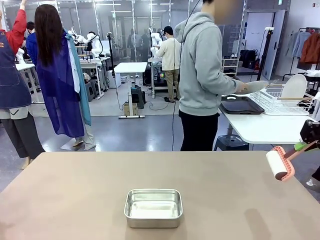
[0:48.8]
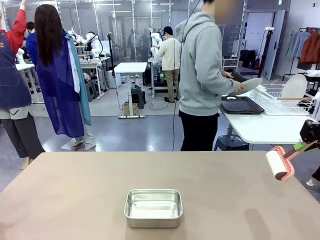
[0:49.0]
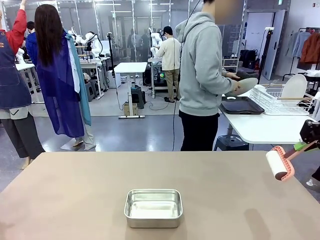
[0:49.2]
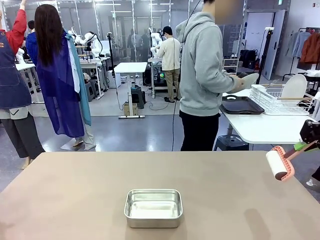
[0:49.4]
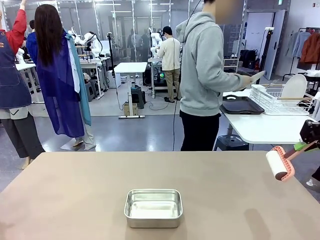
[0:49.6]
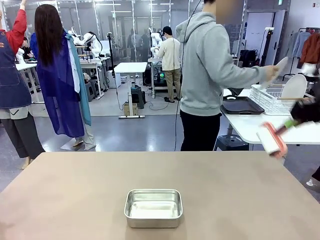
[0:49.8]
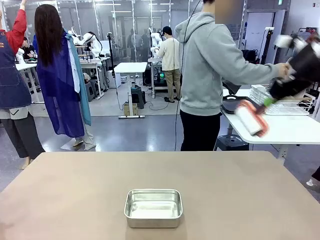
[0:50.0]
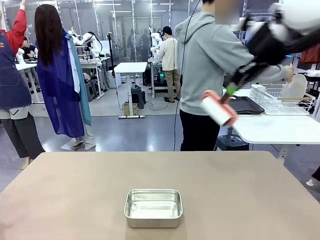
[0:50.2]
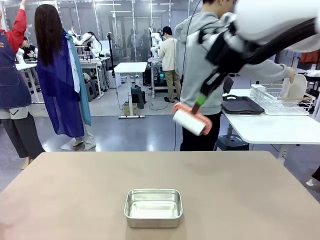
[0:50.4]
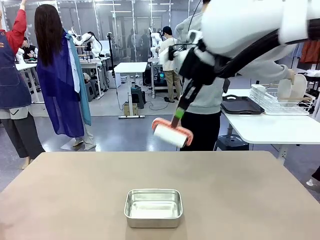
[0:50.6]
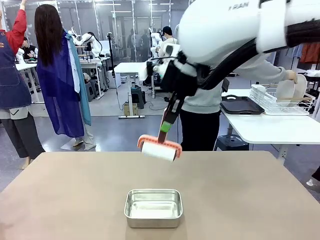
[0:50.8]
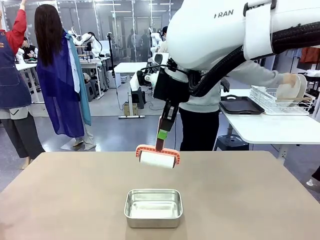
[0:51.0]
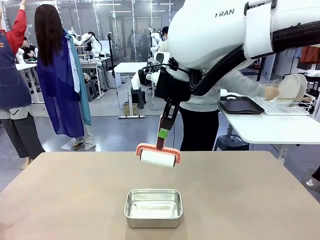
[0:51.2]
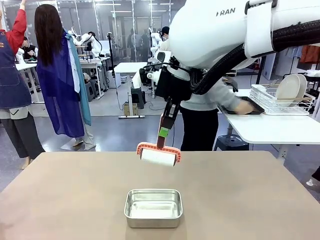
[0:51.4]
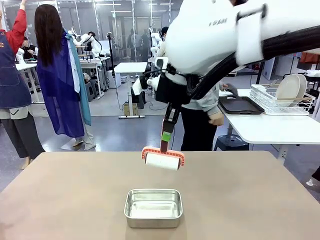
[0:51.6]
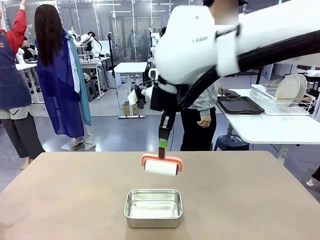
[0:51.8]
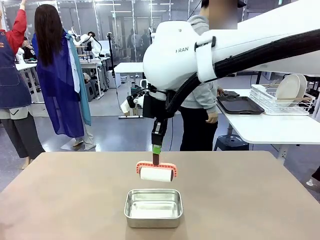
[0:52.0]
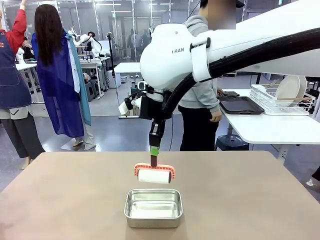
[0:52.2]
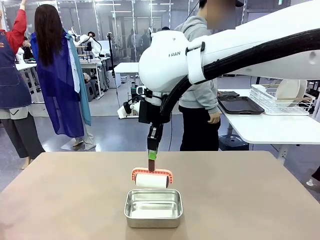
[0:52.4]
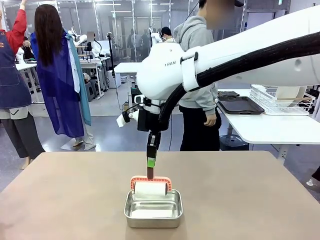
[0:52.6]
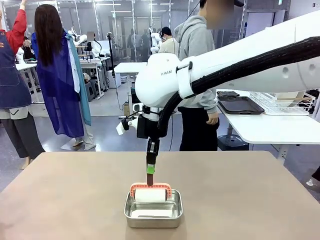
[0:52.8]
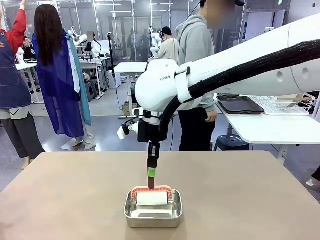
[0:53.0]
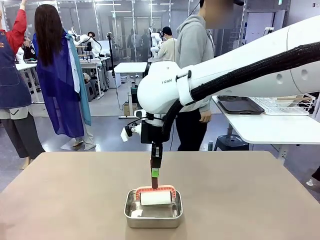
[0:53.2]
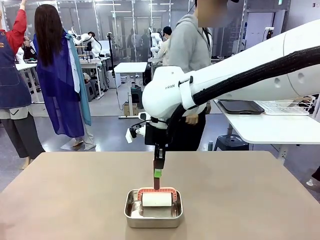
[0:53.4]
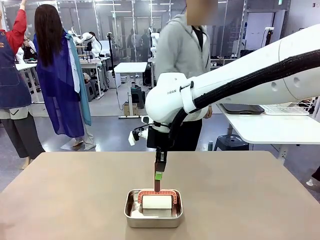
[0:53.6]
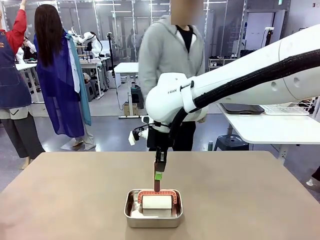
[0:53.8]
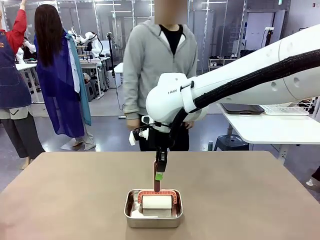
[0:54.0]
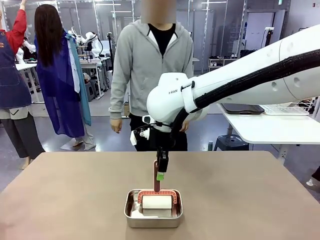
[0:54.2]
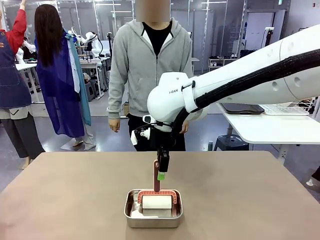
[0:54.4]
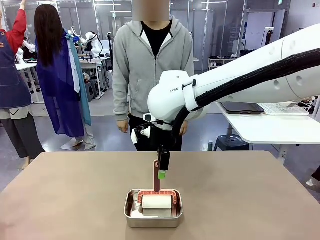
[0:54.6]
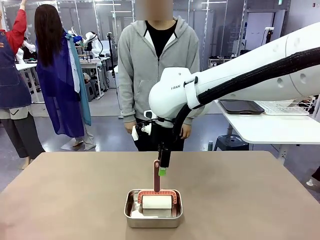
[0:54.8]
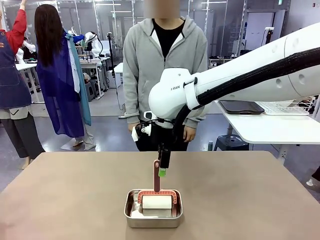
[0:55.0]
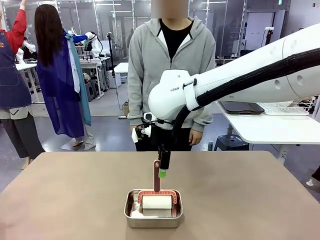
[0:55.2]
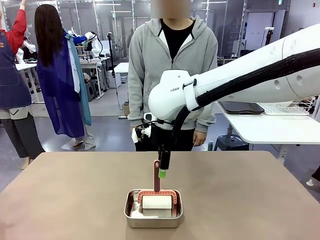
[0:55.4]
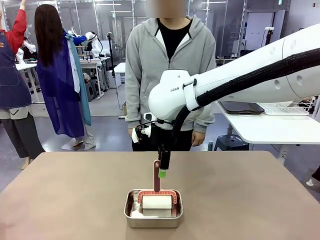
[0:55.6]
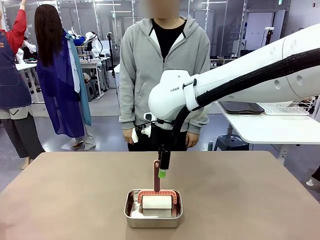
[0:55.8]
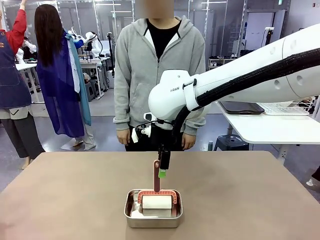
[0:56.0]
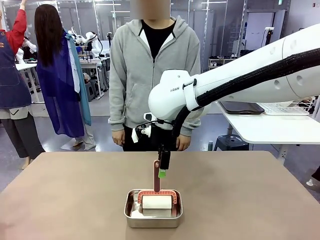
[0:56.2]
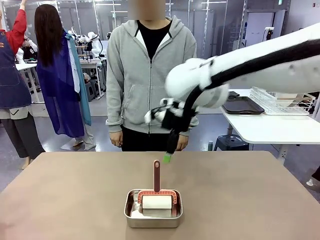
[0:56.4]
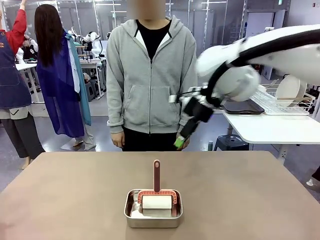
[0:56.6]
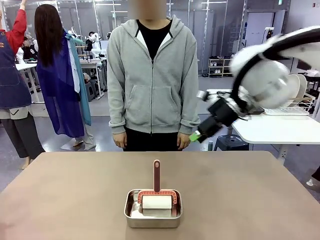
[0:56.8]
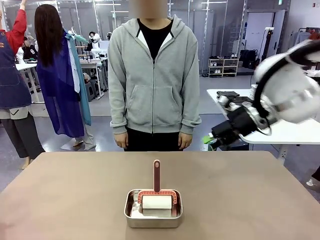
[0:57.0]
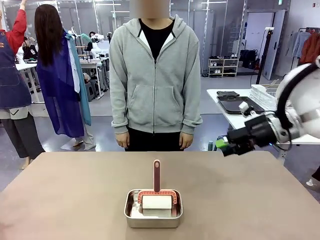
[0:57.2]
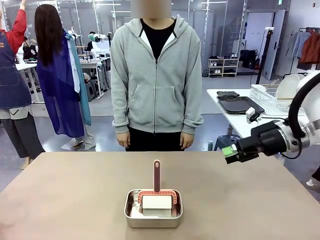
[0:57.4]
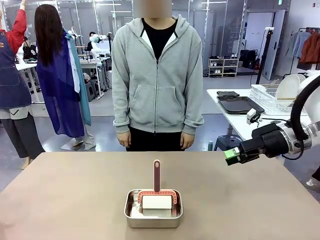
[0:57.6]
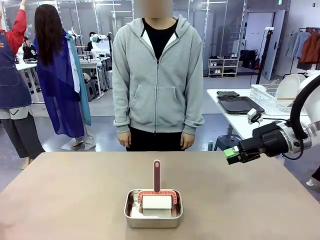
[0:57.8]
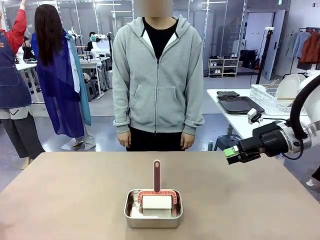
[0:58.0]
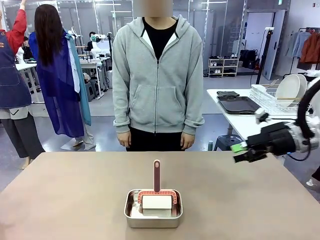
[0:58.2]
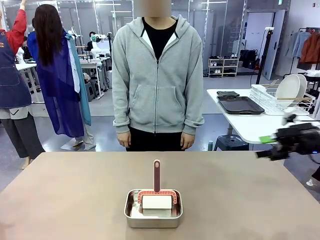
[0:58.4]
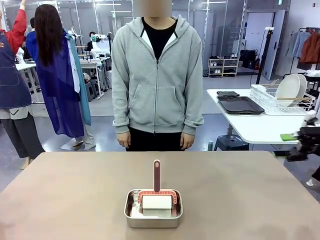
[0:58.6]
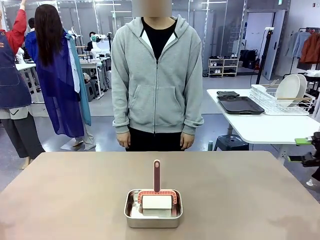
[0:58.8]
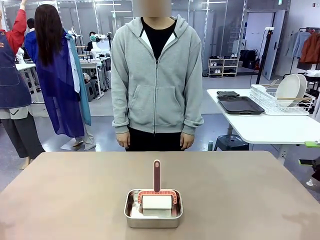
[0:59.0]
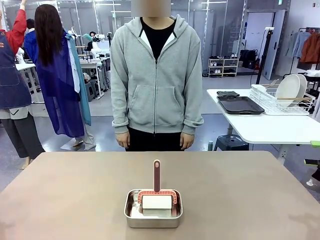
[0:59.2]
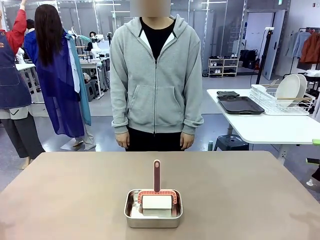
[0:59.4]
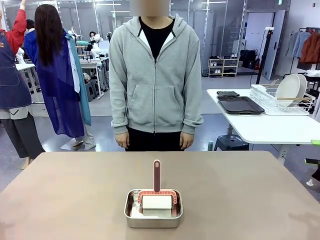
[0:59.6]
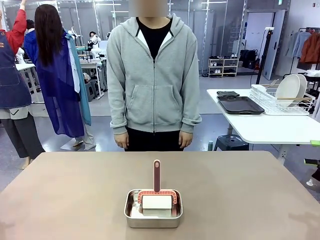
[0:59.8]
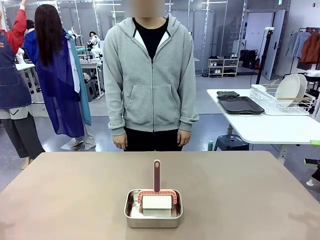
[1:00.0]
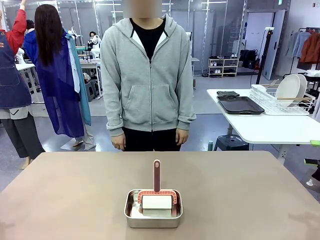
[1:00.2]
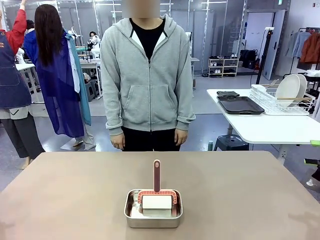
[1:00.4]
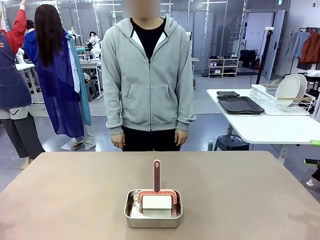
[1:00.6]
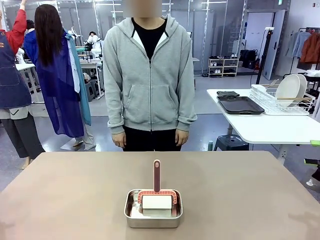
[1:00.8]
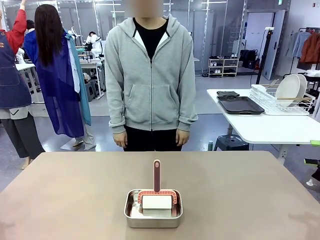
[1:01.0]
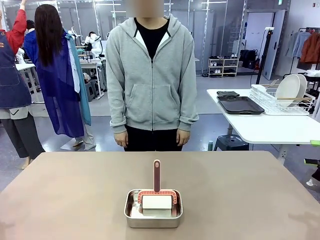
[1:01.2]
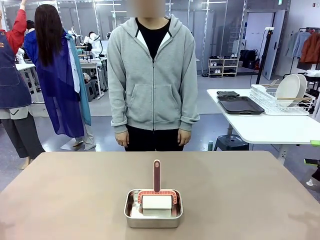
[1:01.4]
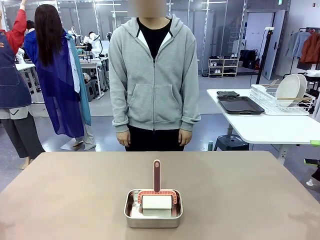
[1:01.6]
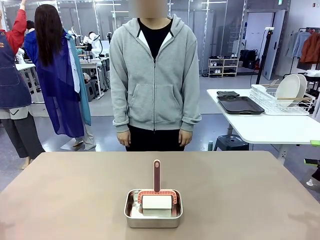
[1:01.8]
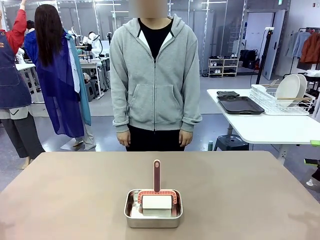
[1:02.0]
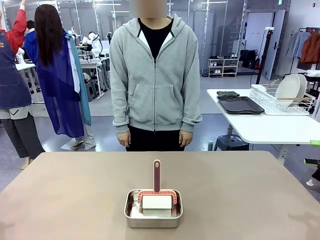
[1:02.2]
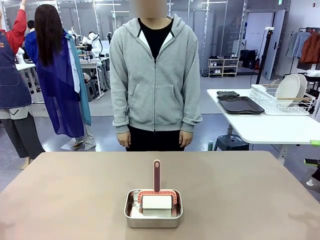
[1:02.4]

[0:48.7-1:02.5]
Robot: Place the Lint Roller back on top of the Airtight Container.
Person: Use the Towel with hook to wipe the Plastic Matte Plate , Fork , and Knife and place into the Dish drying rack.

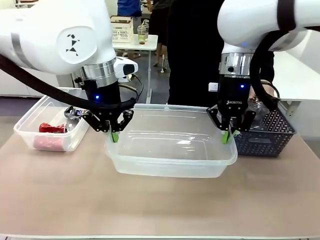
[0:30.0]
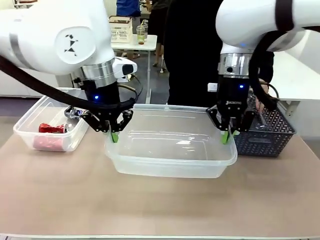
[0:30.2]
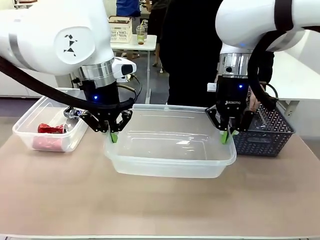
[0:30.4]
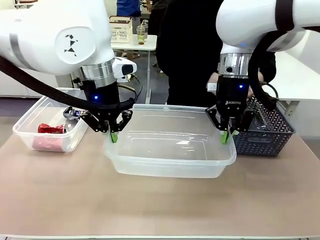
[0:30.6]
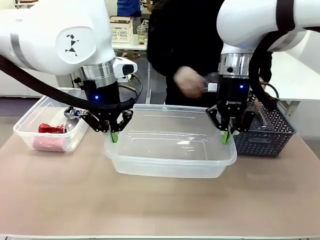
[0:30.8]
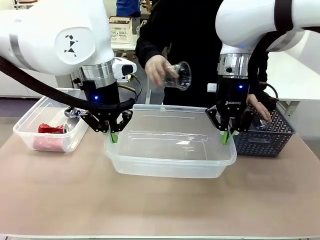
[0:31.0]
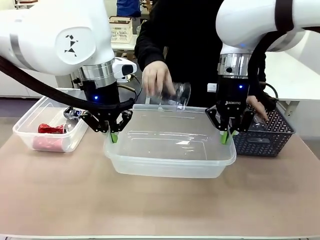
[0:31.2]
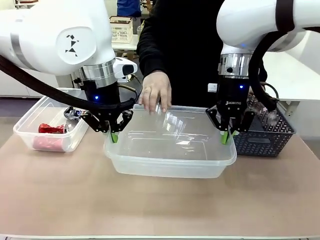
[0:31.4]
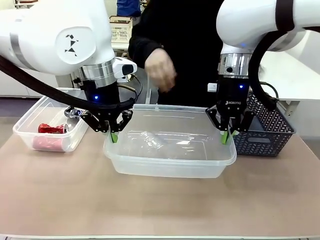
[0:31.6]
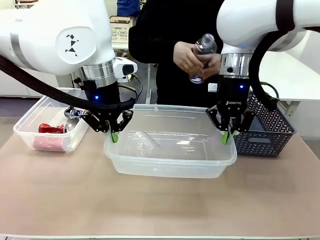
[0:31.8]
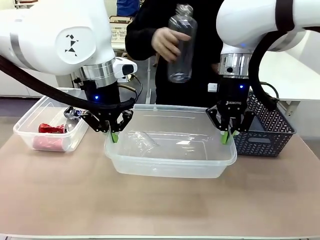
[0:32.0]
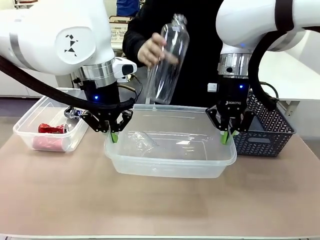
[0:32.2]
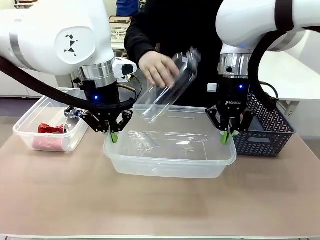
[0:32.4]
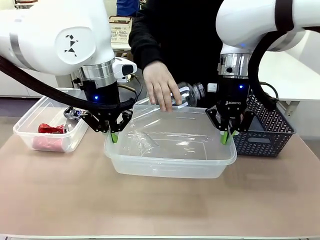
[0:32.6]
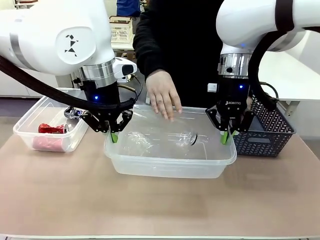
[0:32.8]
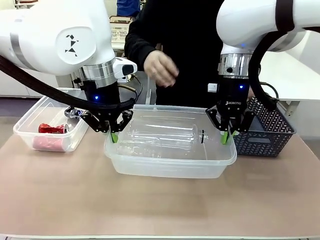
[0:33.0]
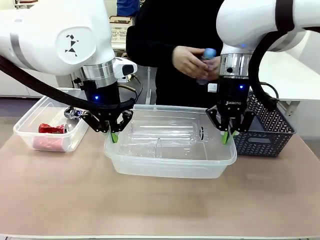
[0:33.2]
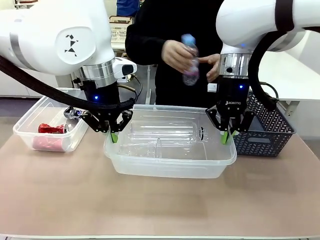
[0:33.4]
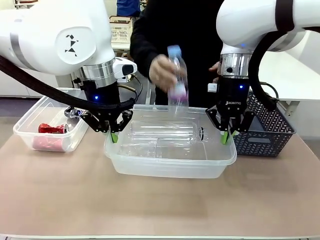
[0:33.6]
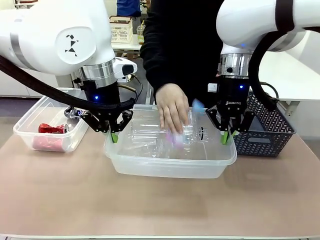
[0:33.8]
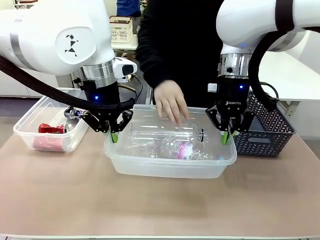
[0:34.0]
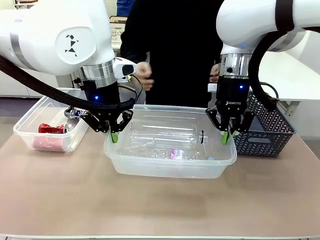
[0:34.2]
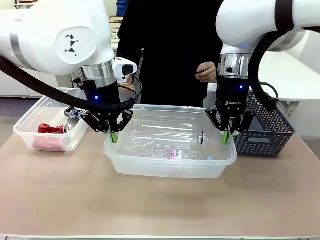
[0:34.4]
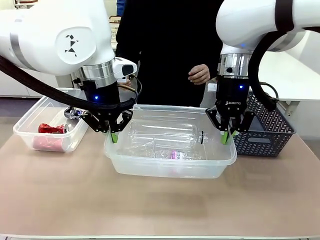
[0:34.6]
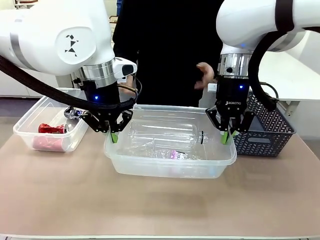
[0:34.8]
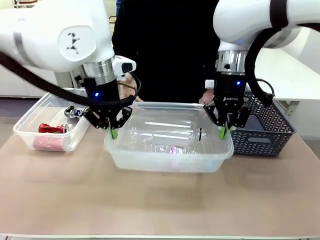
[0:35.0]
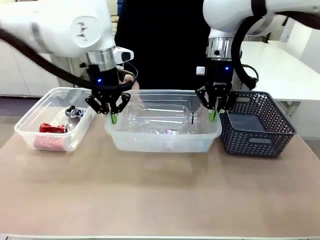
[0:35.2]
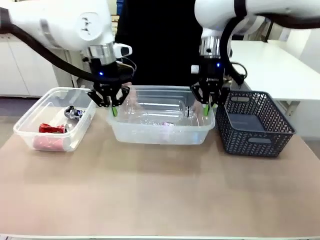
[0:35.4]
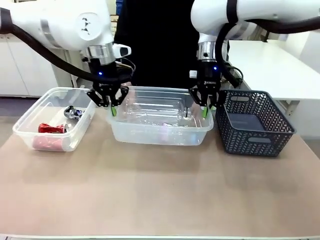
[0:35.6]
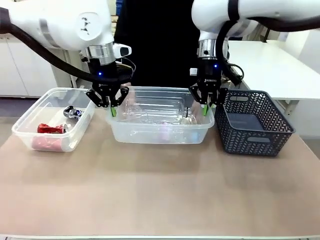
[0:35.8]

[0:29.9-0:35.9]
Robot: Offer the picked Organizing box to the human.
Person: Pick up plastic waste one by one and place it into the organizing box lifted by the robot.

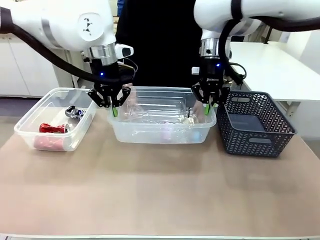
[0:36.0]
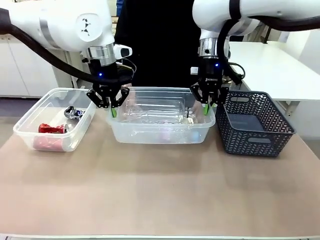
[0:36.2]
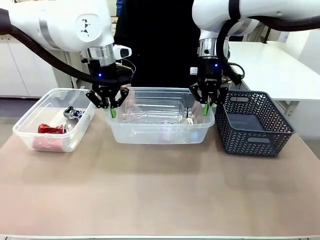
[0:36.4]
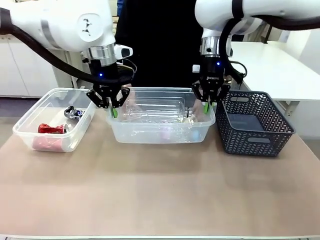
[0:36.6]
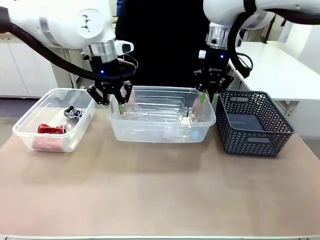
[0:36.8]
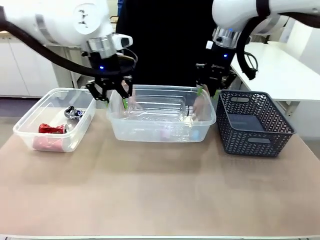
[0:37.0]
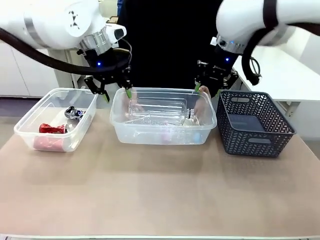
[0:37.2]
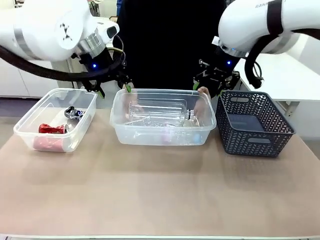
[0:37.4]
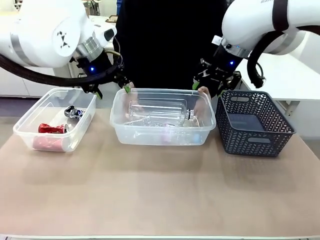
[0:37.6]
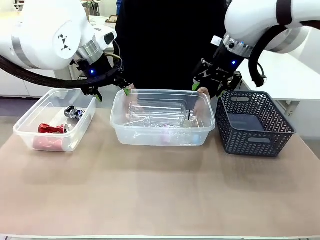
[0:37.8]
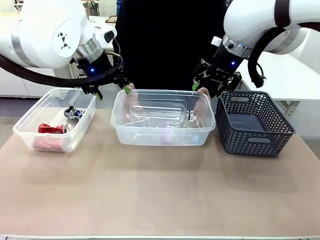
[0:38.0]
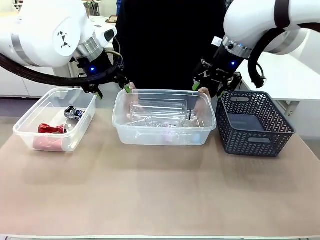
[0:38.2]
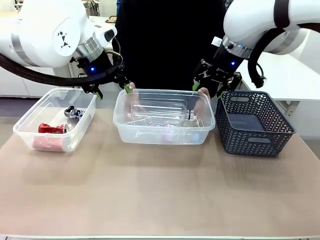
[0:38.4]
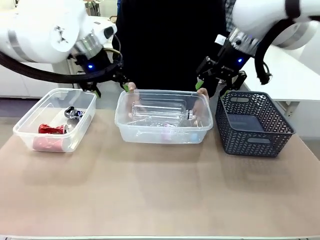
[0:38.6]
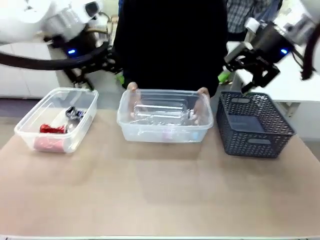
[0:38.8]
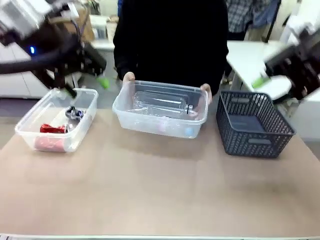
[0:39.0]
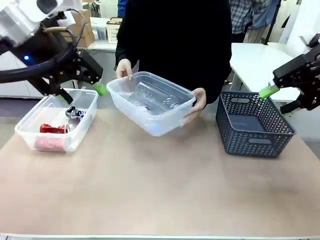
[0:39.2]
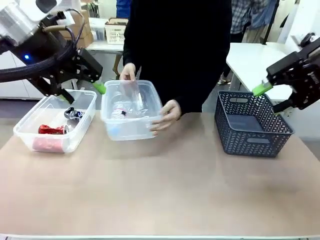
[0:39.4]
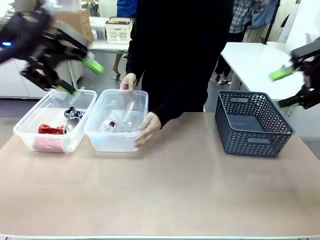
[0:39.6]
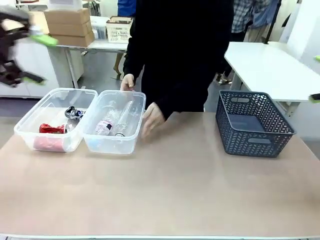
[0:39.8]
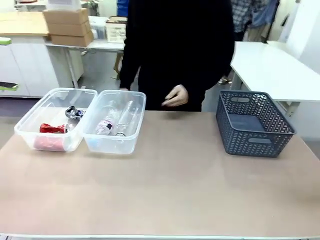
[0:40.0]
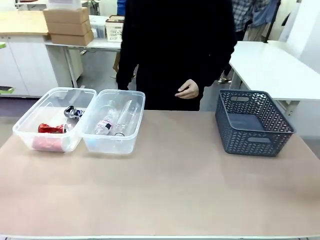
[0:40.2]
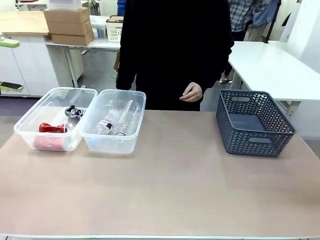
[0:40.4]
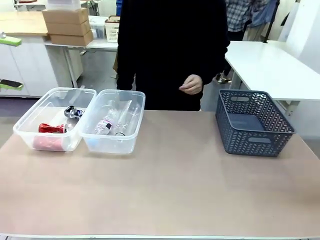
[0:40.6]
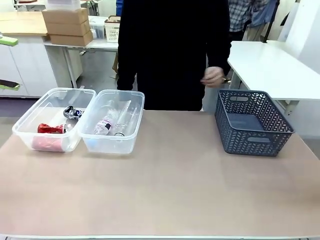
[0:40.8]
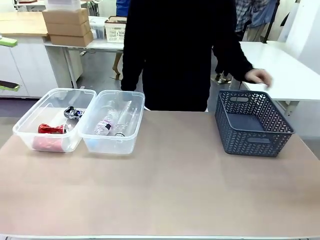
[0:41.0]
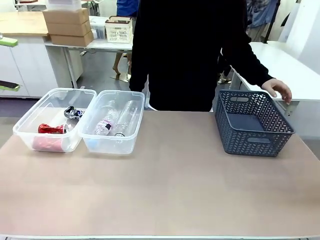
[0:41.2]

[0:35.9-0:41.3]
Robot: Release the Organizing box you were holding.
Person: Pick up the organizing box extended by the robot. Place the organizing box to the left of the sorting box containing the can waste.
